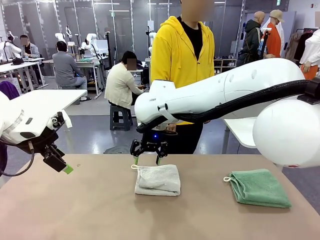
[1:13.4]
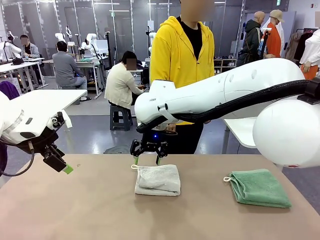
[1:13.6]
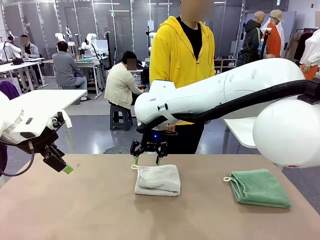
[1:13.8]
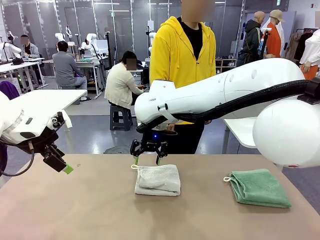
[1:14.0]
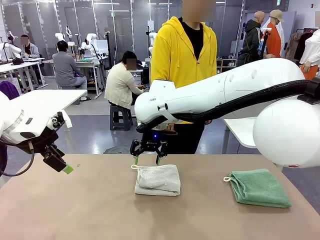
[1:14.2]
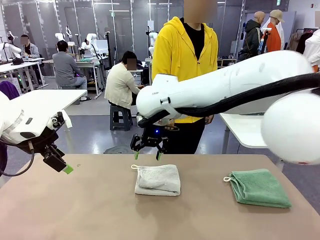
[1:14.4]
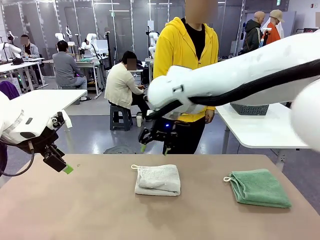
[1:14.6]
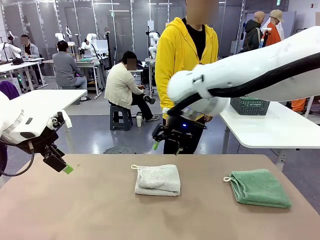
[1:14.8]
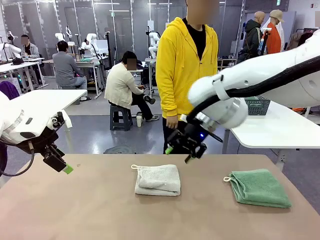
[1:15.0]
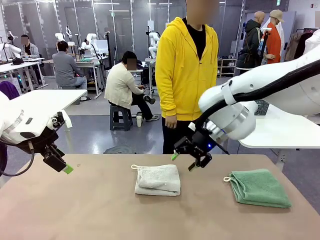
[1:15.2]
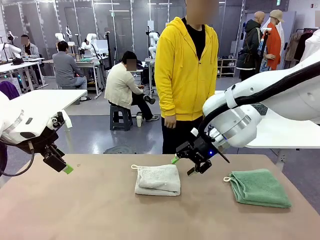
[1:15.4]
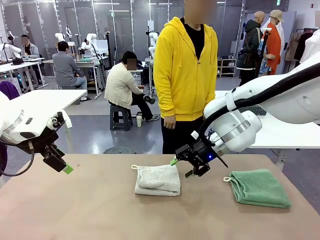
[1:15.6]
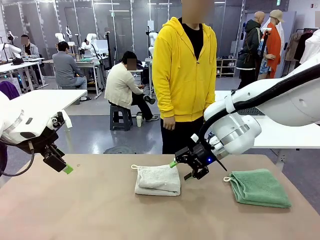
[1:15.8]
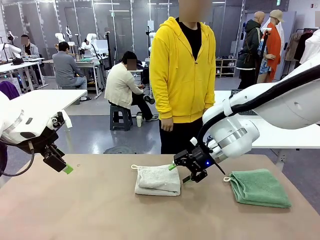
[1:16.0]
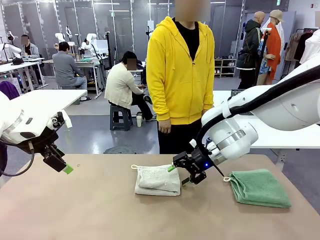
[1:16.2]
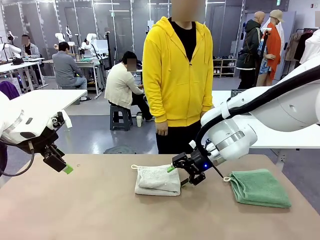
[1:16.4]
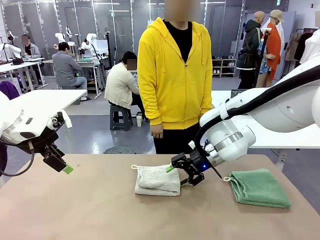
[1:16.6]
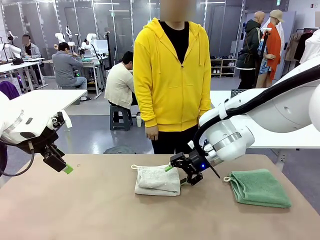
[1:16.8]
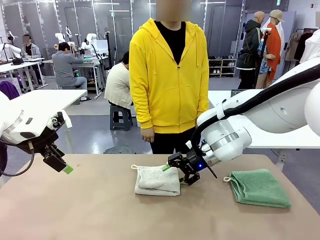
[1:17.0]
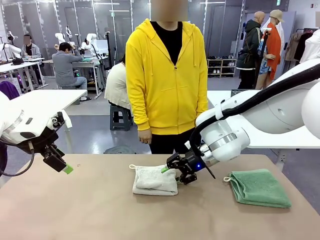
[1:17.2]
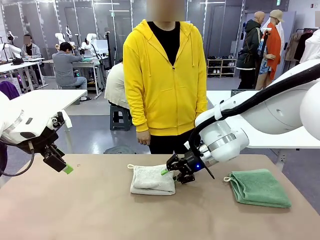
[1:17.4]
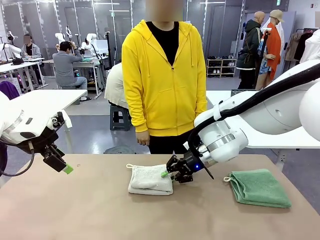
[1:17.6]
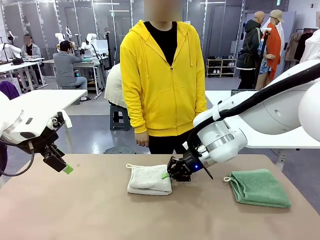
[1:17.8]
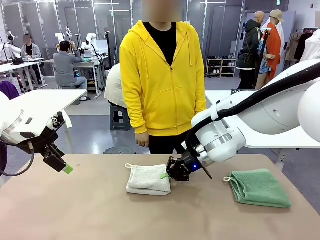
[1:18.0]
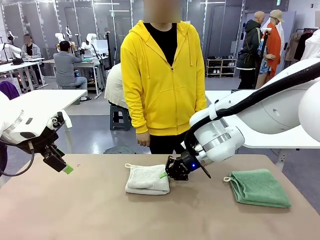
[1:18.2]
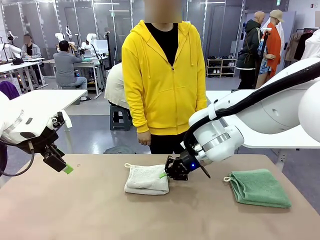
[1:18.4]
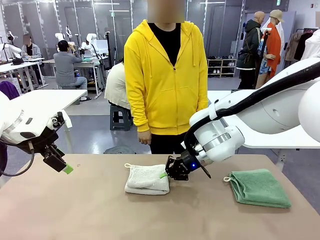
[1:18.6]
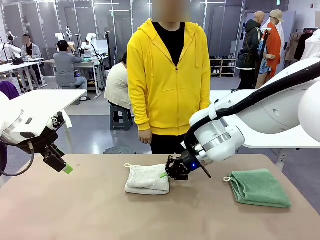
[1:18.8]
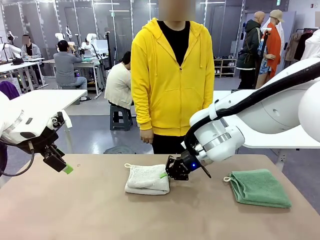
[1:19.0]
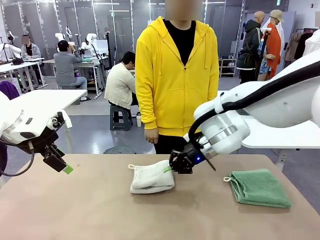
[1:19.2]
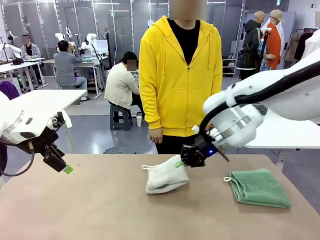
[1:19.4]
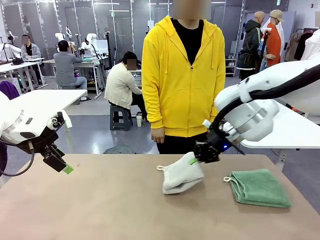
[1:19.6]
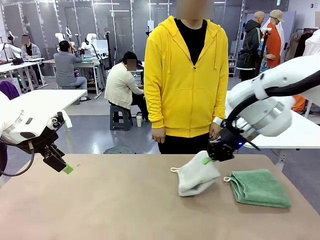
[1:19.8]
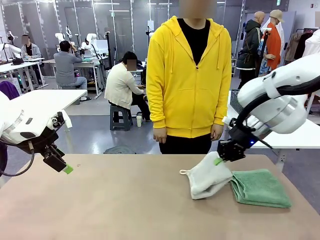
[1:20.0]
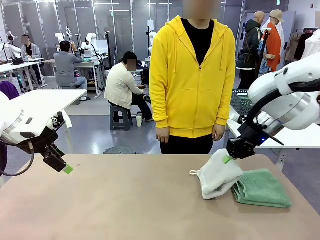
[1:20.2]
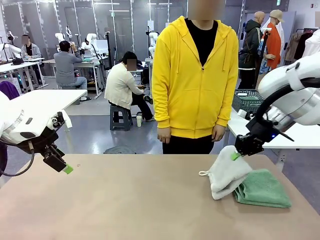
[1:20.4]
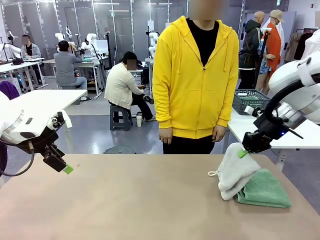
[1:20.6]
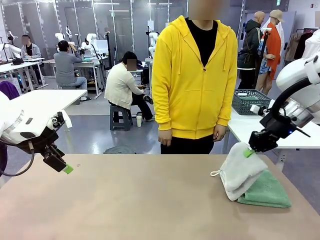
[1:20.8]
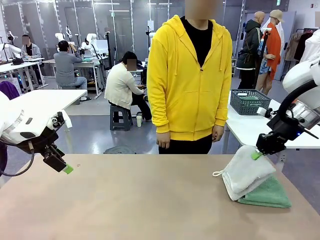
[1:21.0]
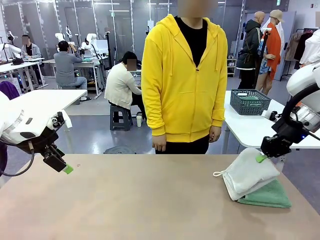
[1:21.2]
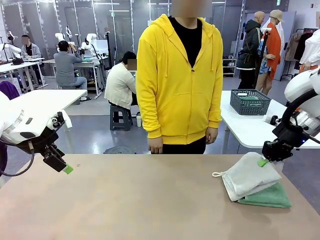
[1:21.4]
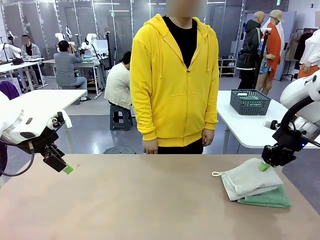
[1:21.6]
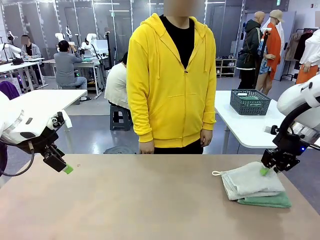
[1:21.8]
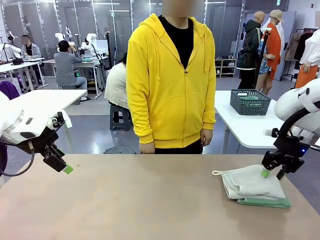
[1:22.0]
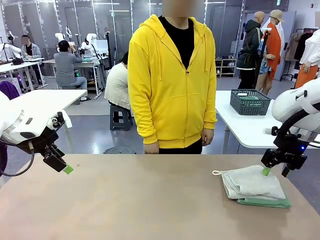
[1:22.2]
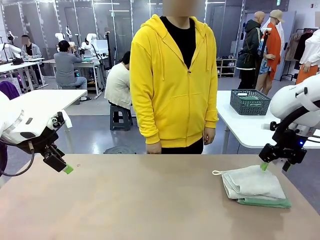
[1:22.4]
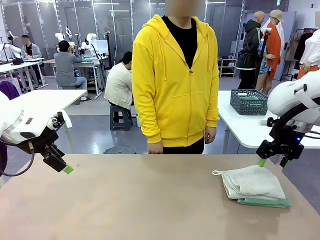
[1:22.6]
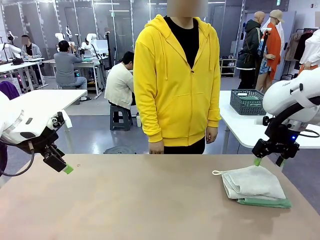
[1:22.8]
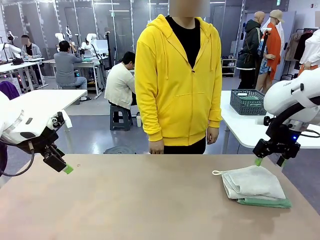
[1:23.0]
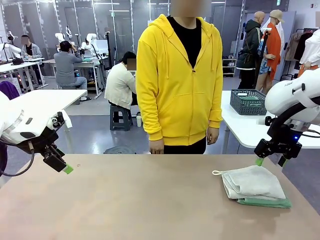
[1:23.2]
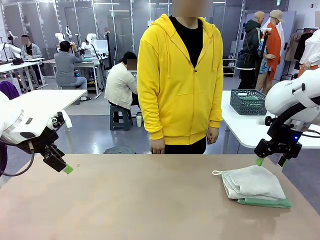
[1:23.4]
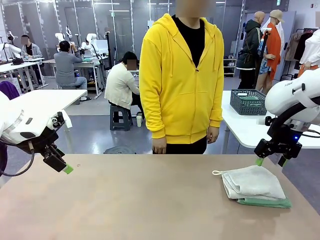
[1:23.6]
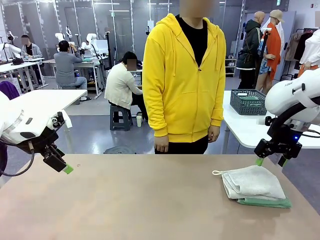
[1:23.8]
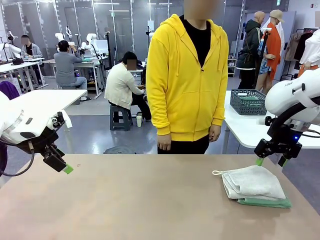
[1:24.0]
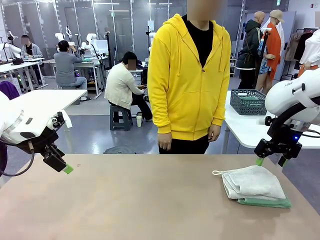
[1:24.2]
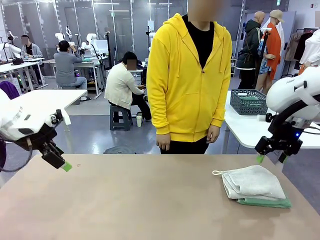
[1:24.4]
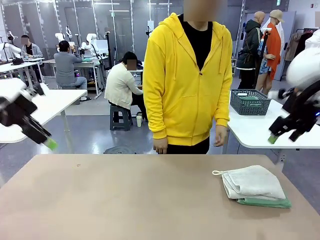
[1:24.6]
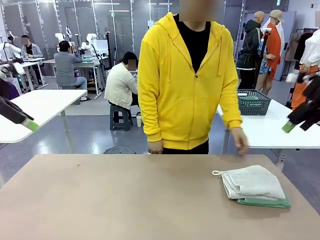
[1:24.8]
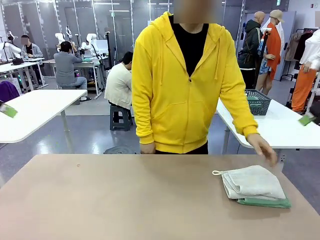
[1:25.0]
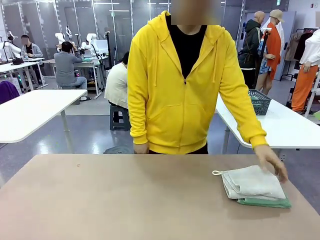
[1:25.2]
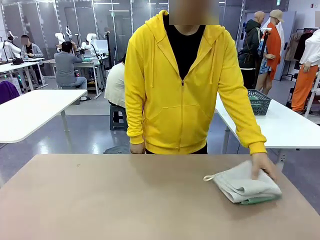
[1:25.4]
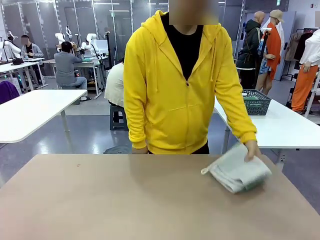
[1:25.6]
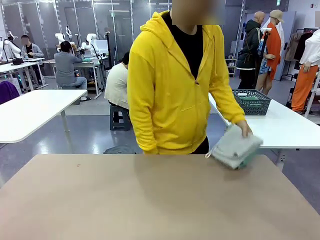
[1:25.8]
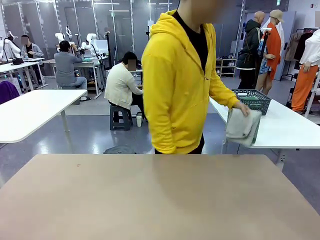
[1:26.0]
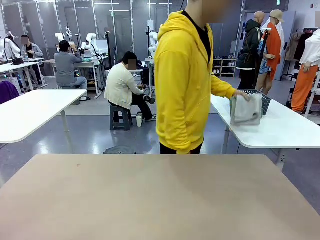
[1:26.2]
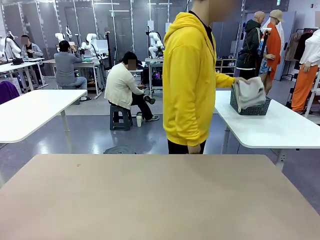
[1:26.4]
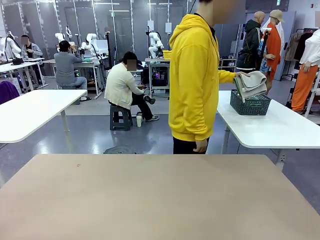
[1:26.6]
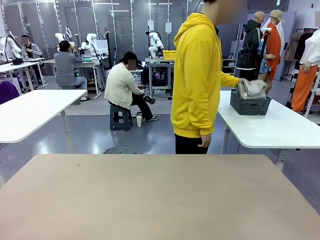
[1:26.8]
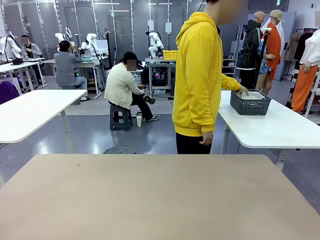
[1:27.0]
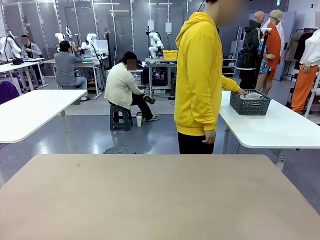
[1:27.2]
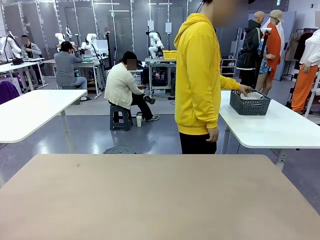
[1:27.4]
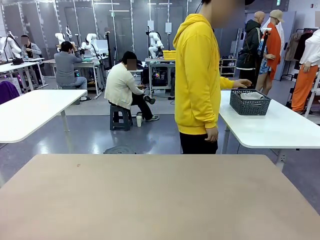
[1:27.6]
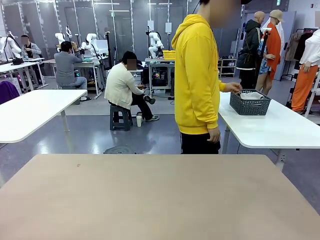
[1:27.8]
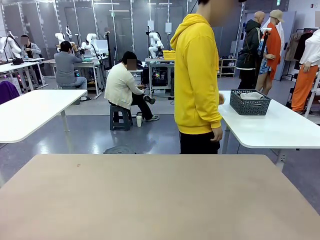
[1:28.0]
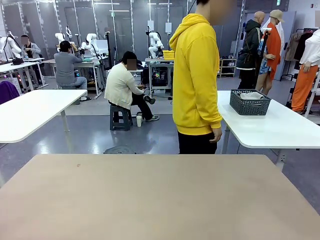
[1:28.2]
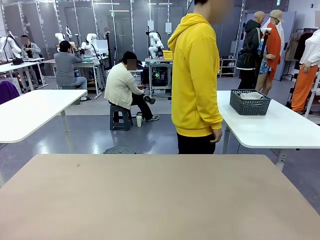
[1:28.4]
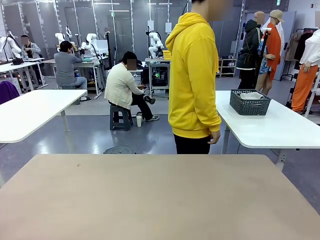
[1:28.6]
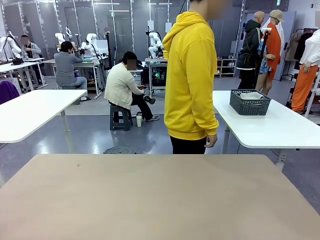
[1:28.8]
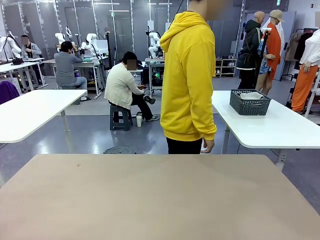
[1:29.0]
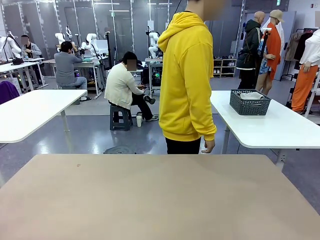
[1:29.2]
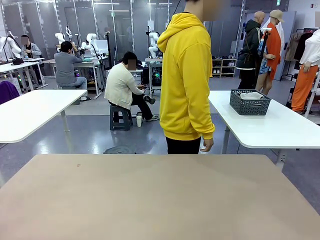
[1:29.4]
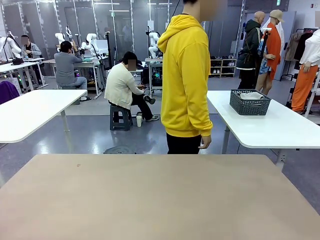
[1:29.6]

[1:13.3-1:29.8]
Task: Fold the towels and place them in the basket.
Robot: Stack the folded Towel with hook on the right side of the table.
Person: Pick up the stack of towels from the robot table and place it into the basket.

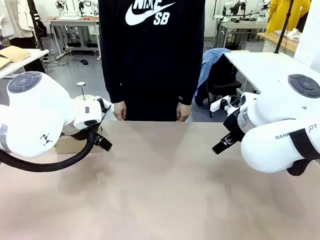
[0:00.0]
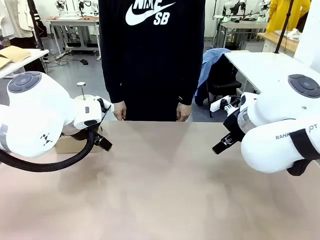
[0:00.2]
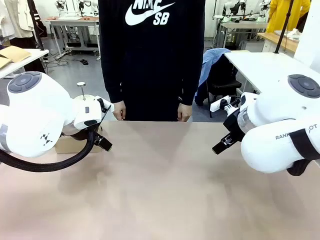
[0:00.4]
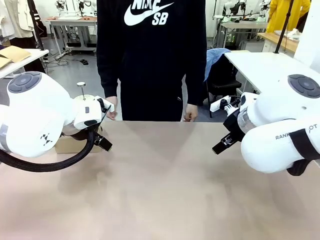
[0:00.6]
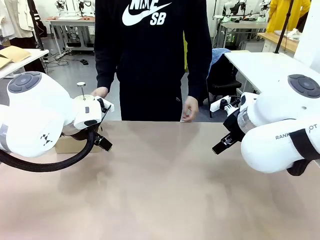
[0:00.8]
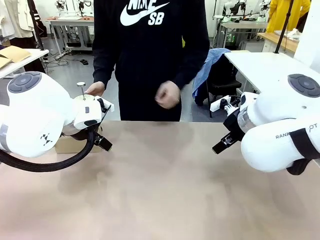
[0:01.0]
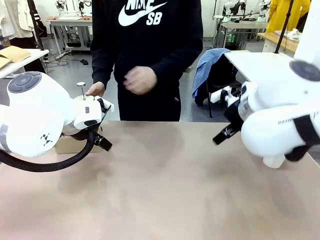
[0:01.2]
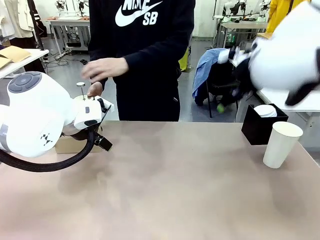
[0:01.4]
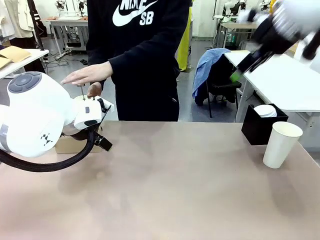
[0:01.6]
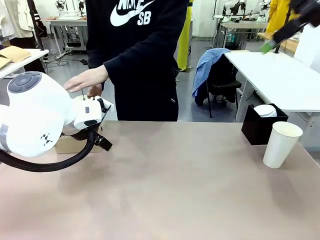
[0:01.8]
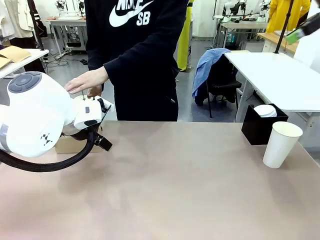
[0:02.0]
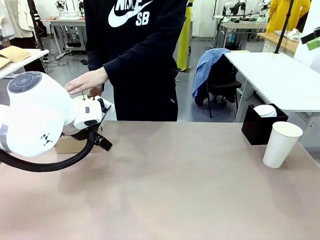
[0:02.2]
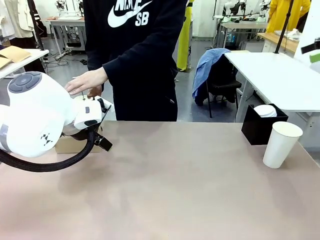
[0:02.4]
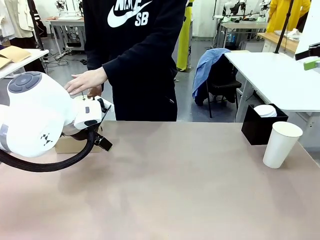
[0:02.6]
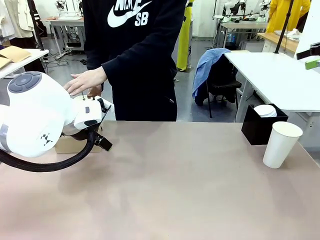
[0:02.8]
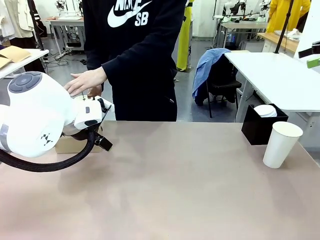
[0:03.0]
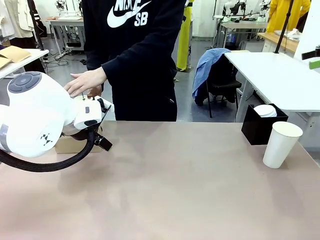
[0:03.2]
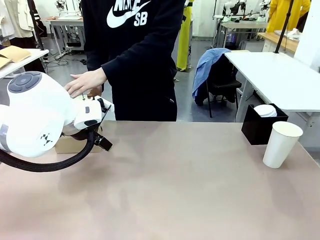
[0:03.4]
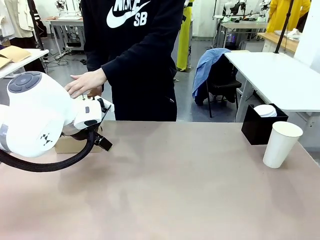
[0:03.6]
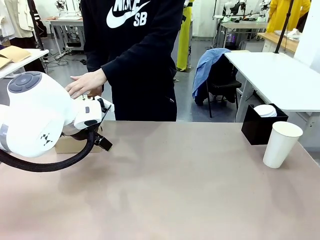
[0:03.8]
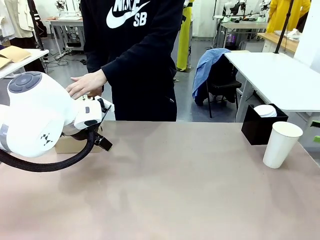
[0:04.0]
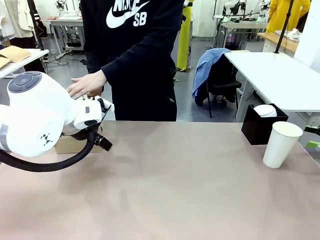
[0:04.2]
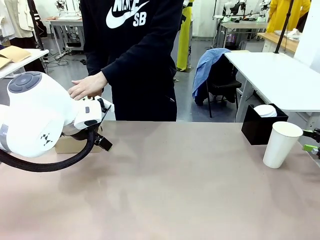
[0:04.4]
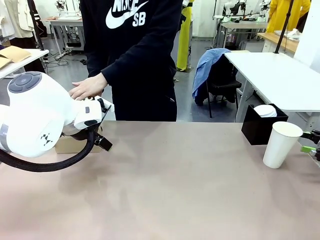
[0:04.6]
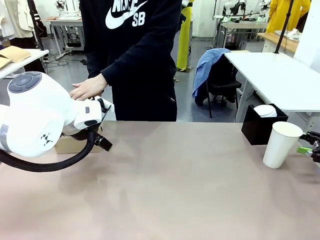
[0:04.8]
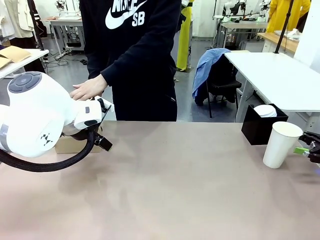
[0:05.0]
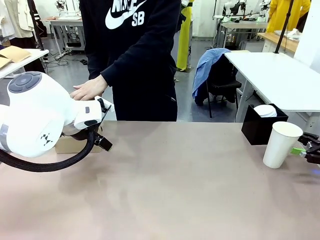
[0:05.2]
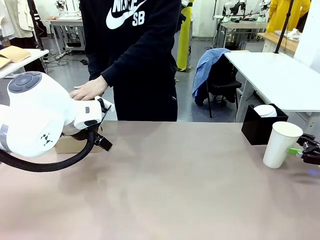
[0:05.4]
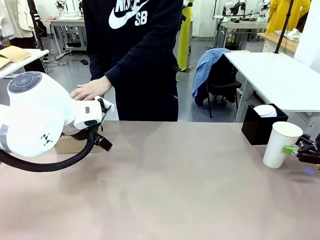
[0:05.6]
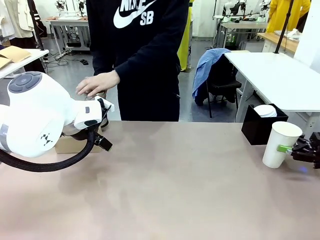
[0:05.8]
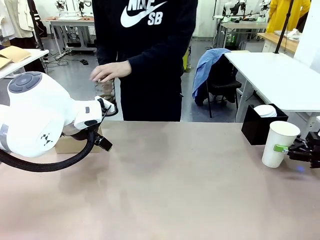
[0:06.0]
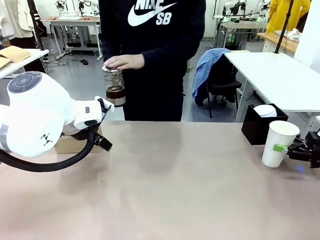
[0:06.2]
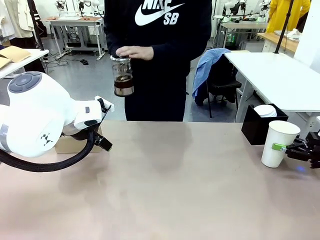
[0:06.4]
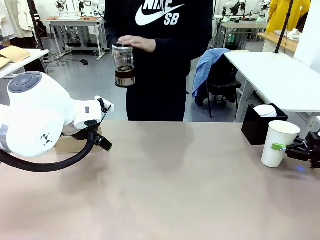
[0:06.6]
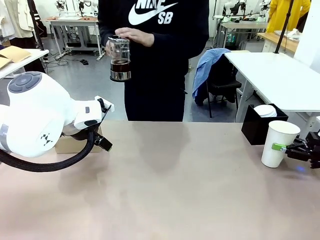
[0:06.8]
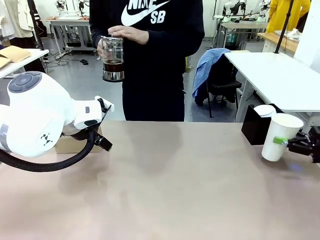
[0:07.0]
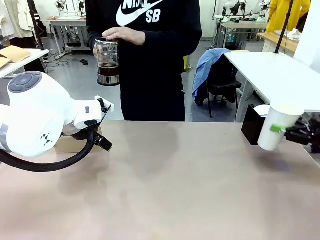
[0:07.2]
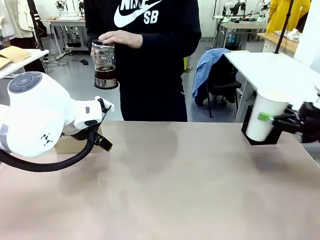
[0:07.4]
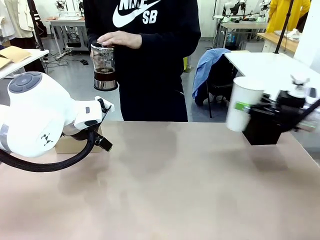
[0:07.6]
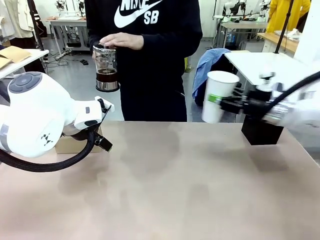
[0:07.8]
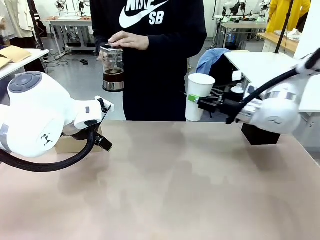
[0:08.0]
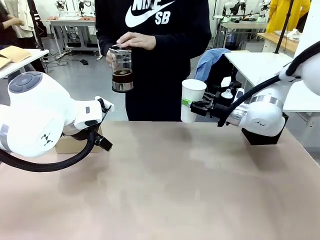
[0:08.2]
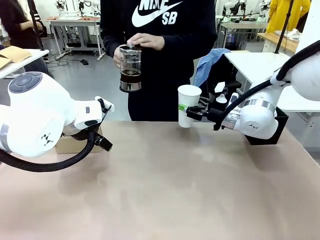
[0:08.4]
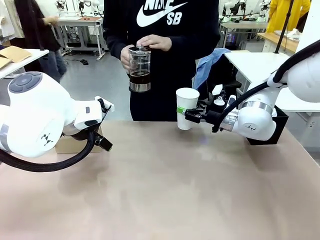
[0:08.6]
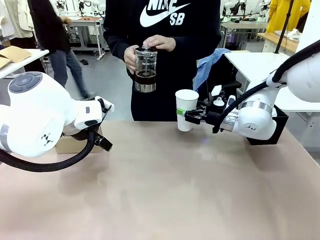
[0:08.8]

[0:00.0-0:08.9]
Task: Pour a drink into a cup and package it in a carrier.
Robot: Pick up the 600 ml Paper Cup and place it in the middle top area of the table.
Person: Press and pick up the Filter Brewing.
